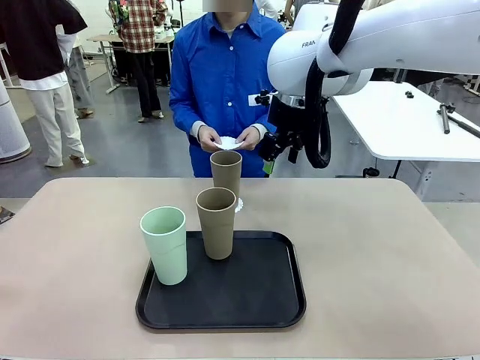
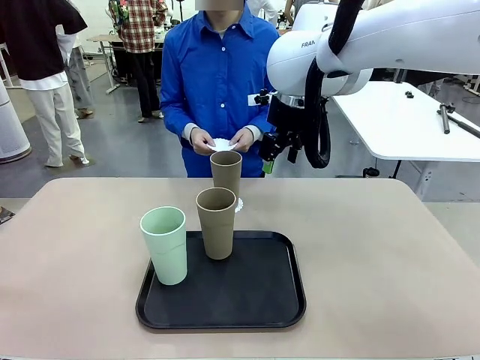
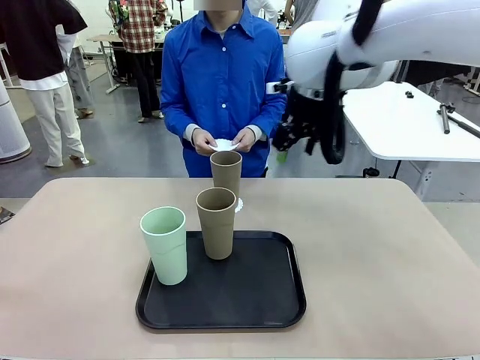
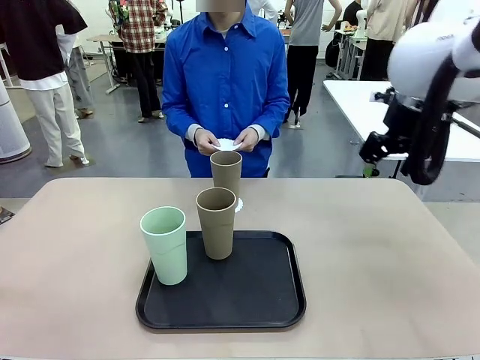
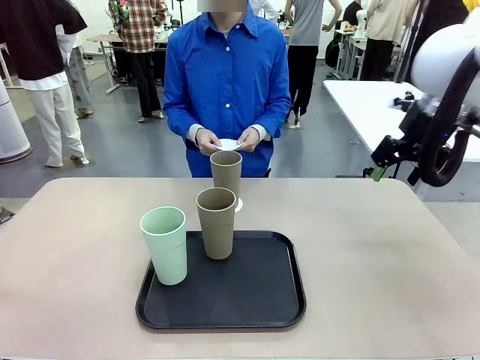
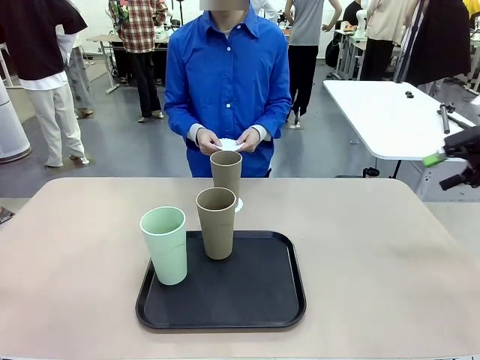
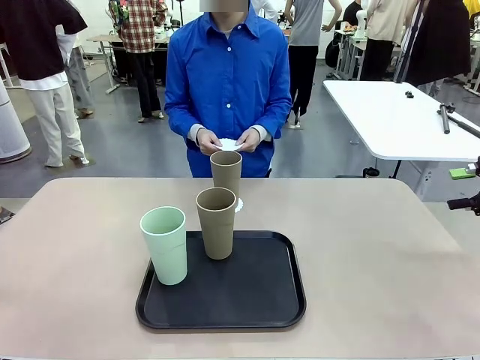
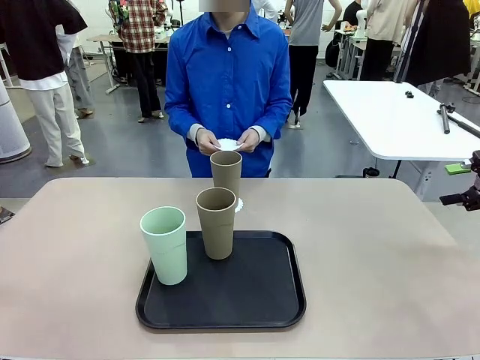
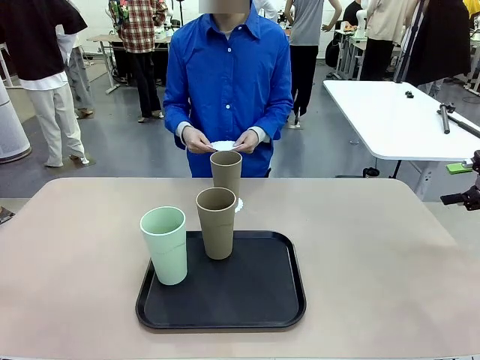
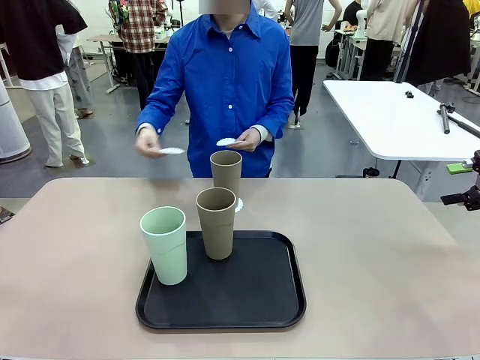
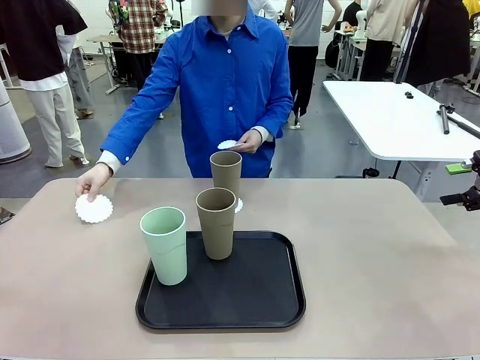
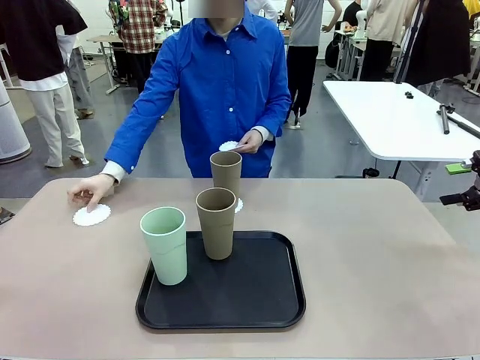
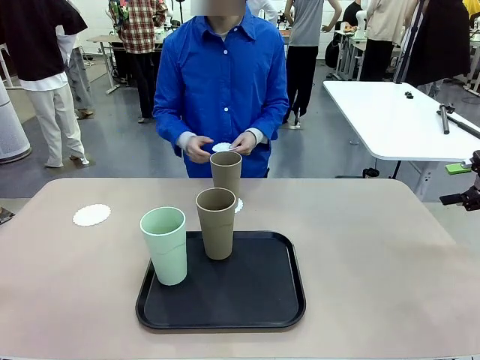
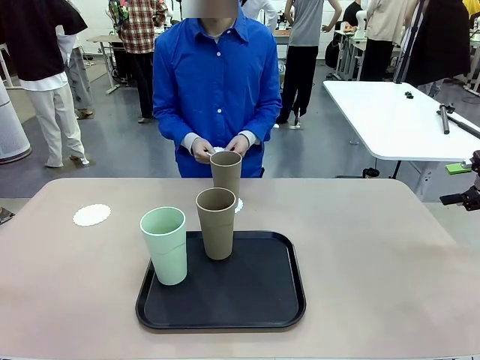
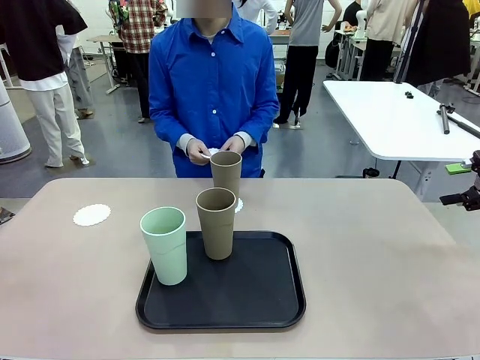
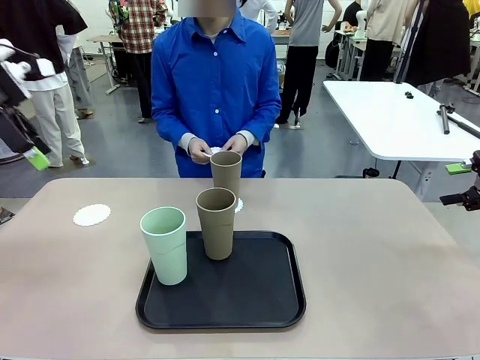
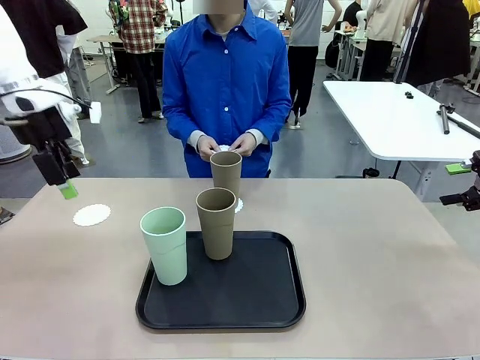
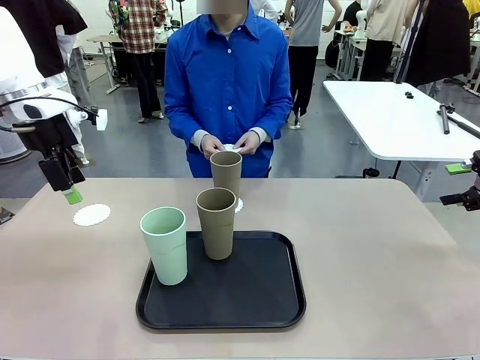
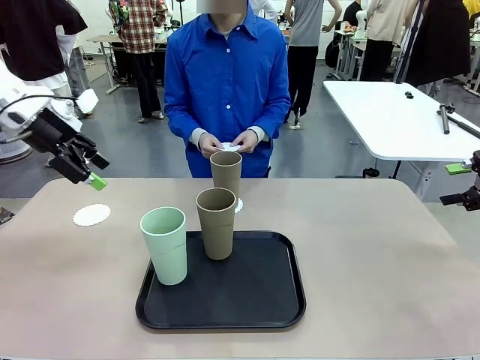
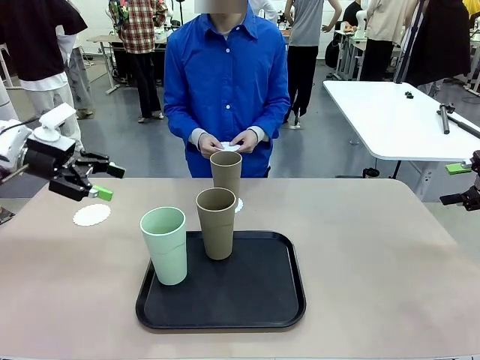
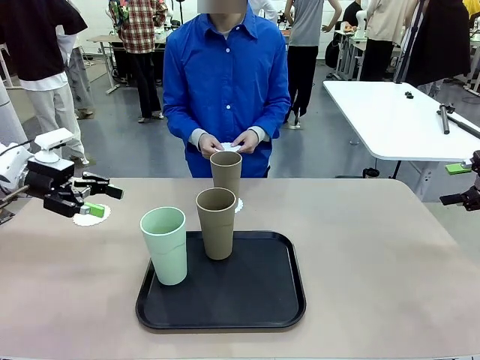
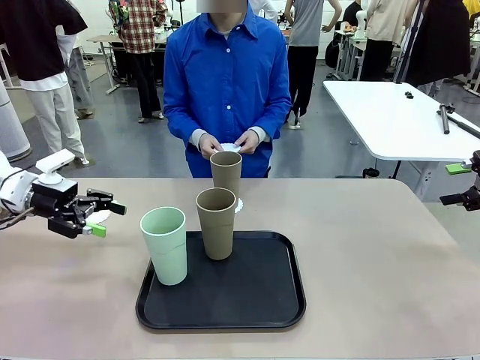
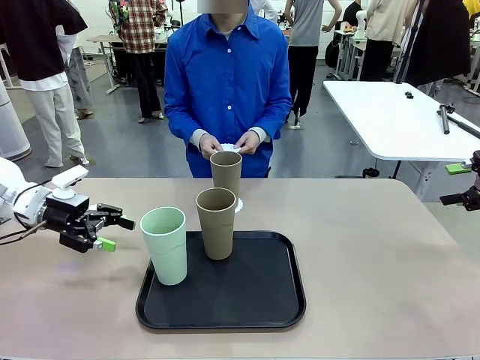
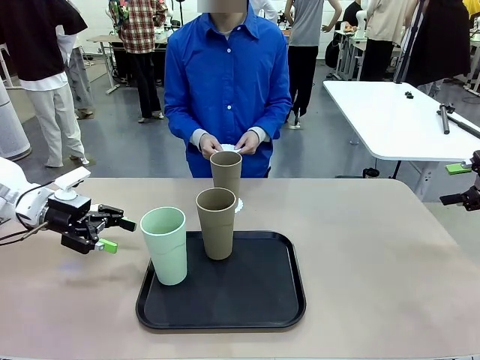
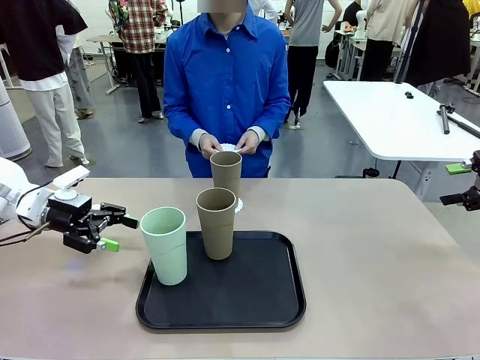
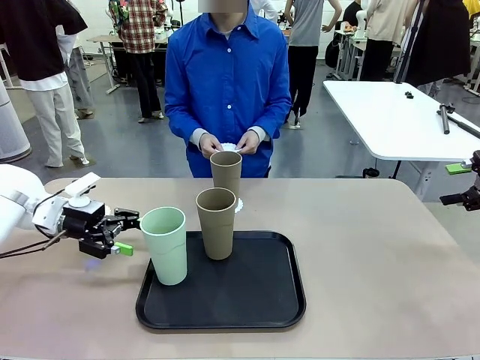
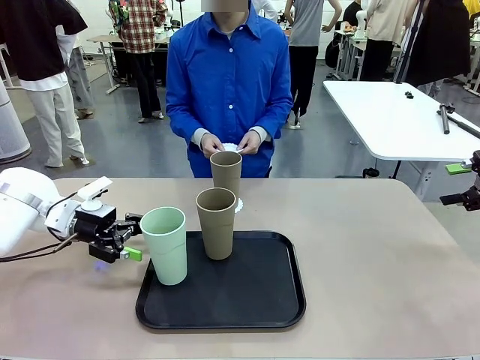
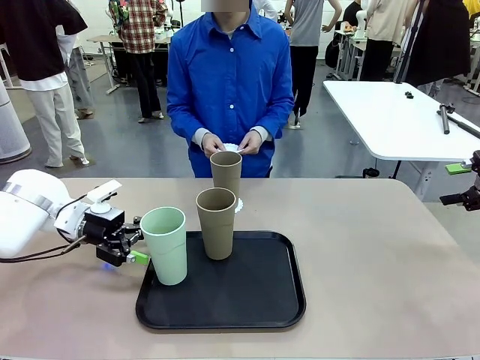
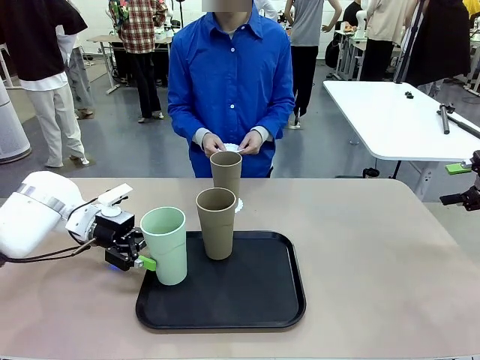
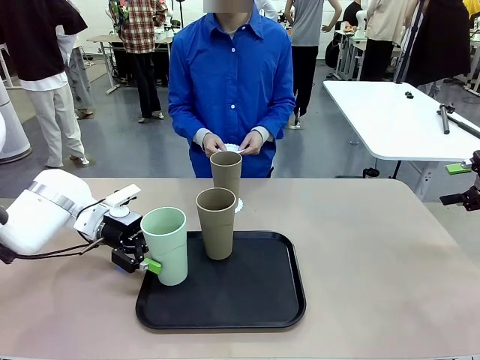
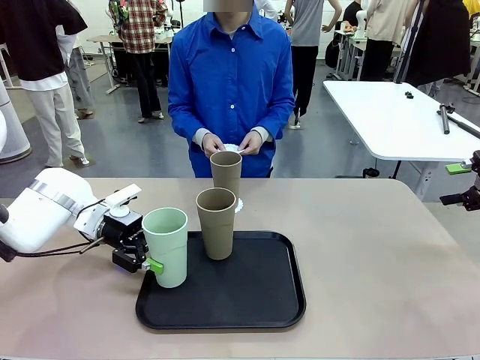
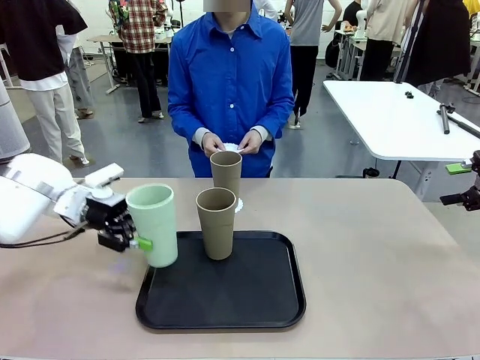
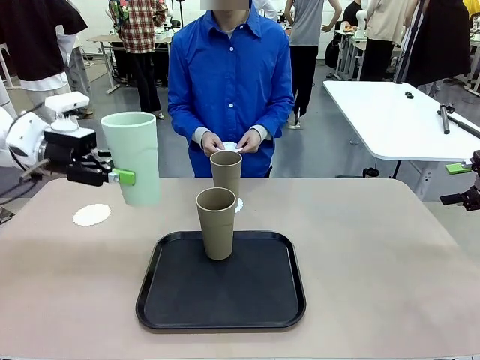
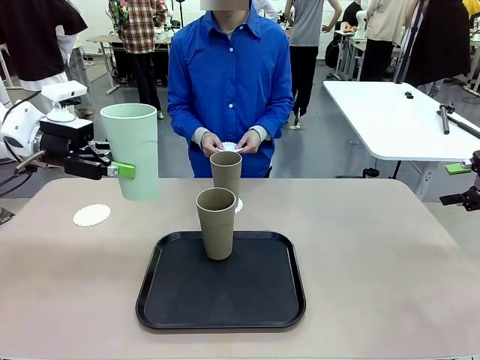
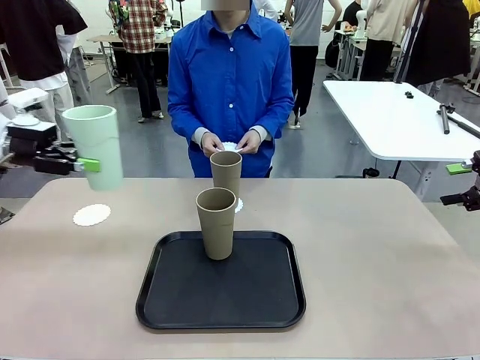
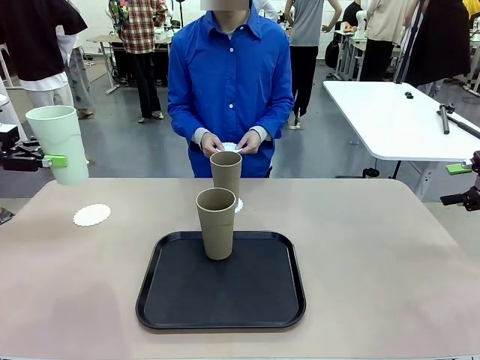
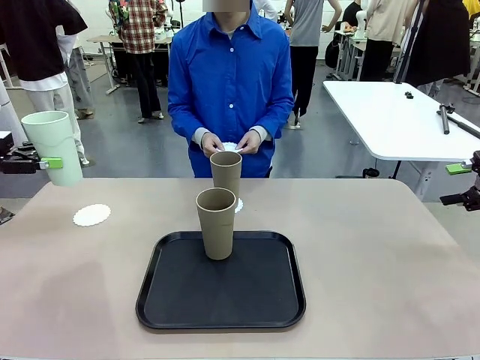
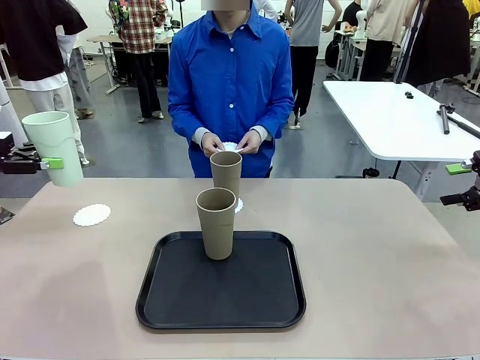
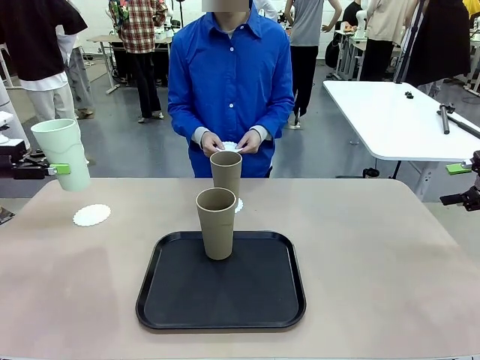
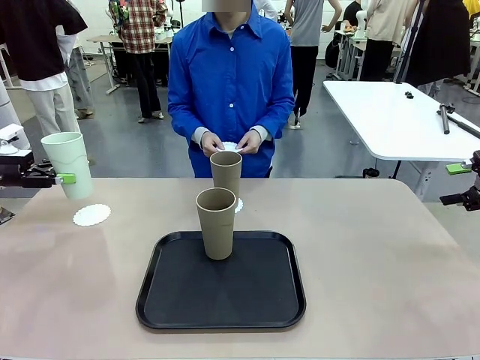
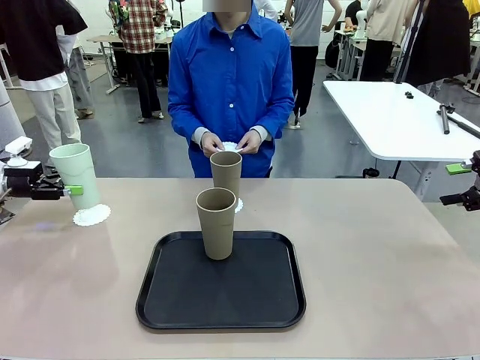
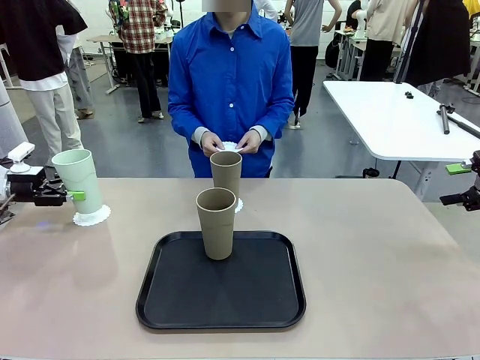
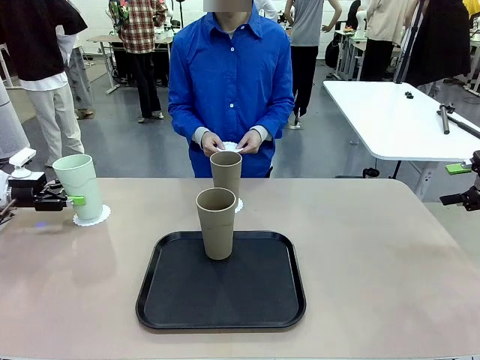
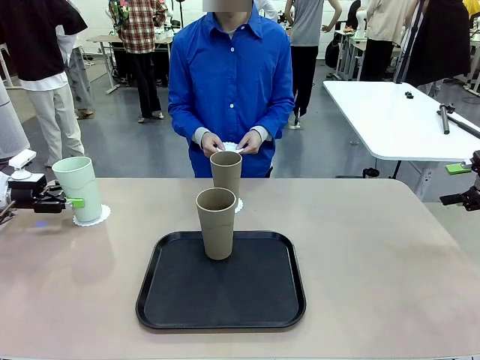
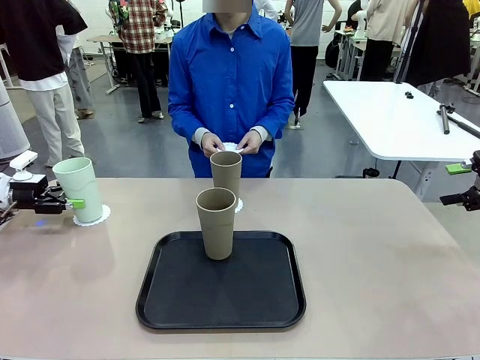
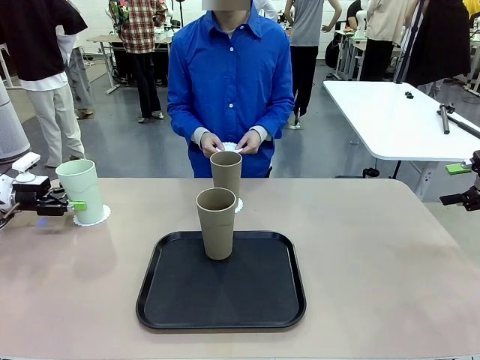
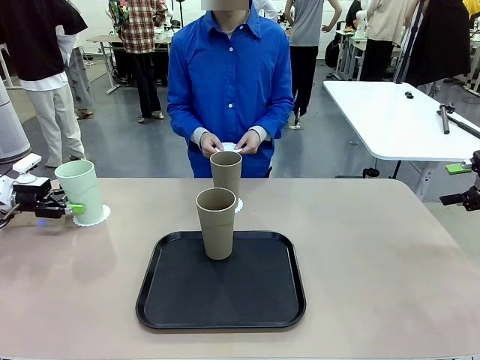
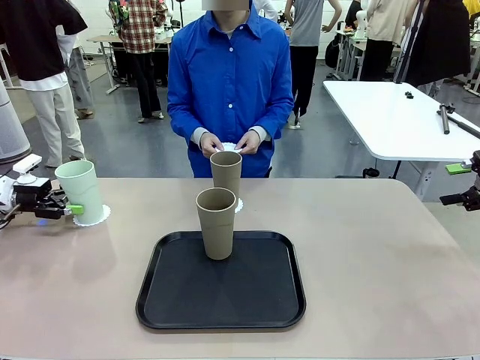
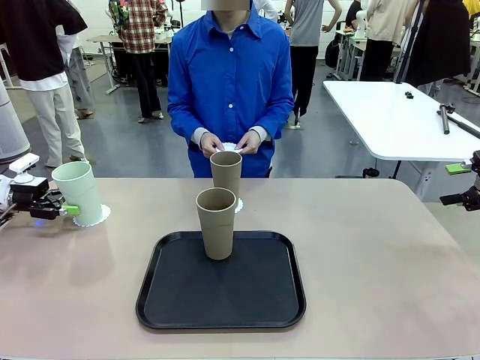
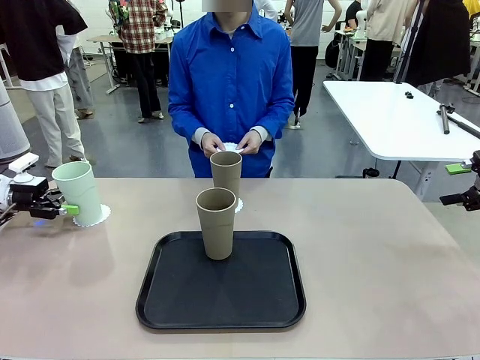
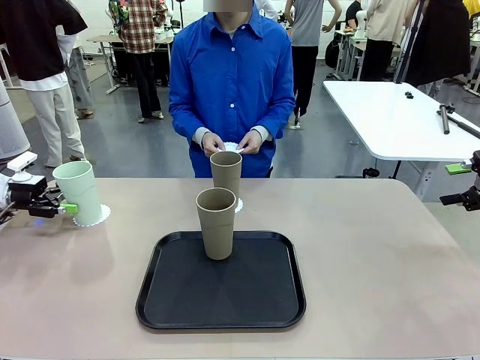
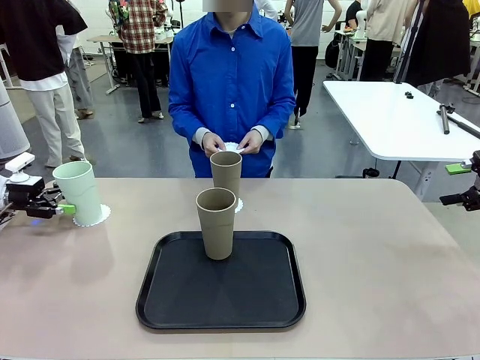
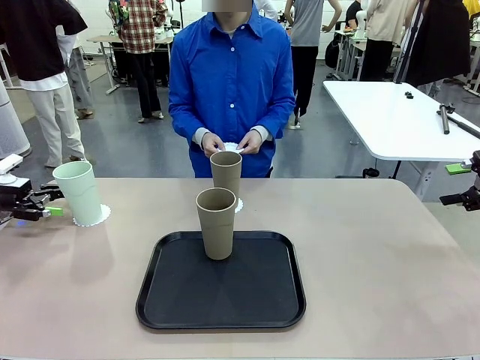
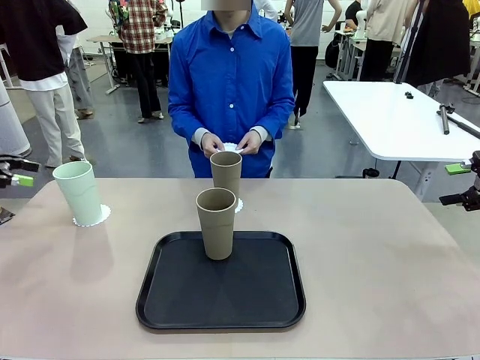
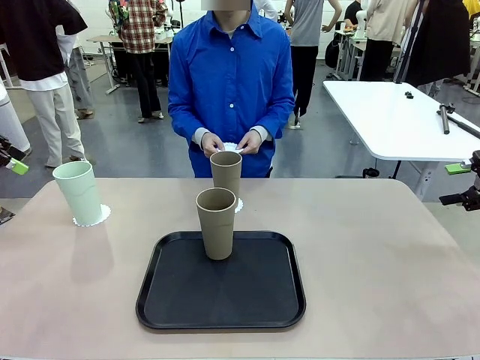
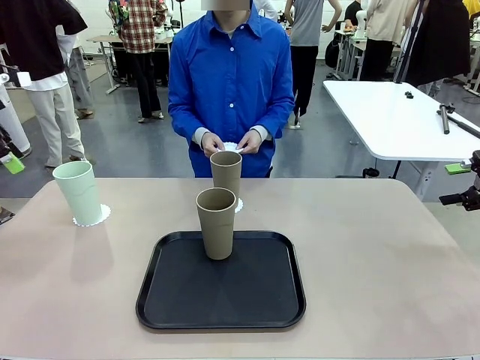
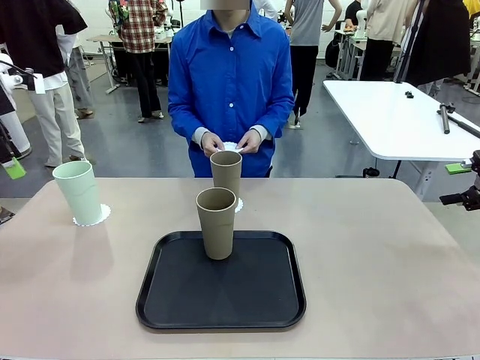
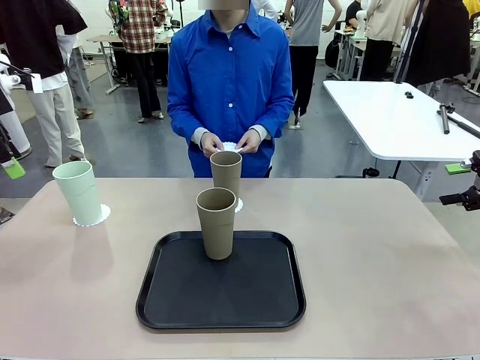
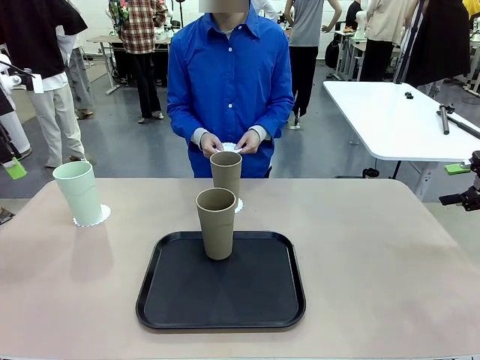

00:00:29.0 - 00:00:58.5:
Task: Place coasters on the table and set cups on them.
Robot: Take one Reusable plastic cup from the Flat Tray and place it on a coaster set by the human.
